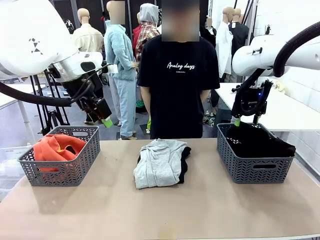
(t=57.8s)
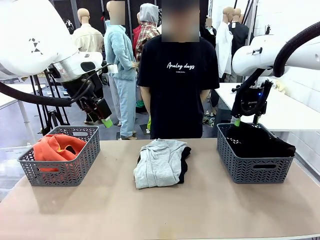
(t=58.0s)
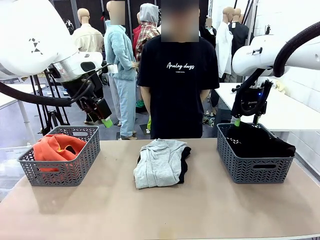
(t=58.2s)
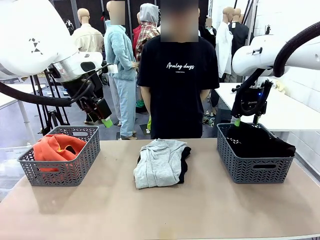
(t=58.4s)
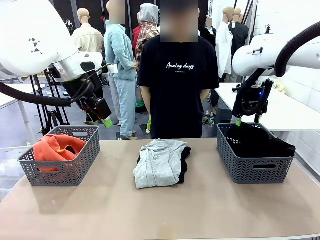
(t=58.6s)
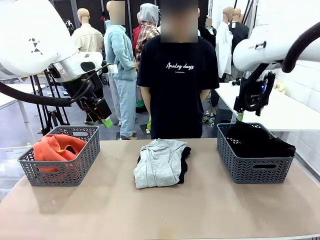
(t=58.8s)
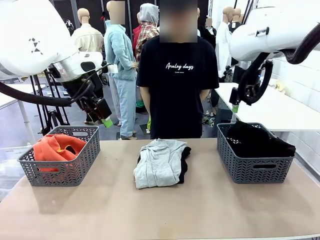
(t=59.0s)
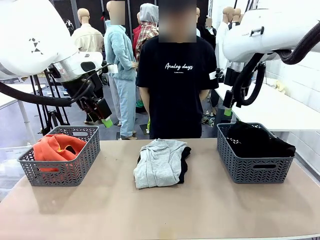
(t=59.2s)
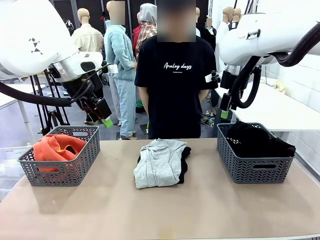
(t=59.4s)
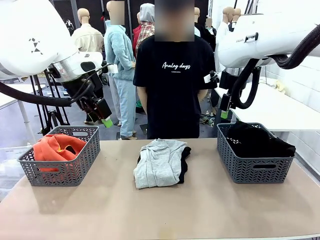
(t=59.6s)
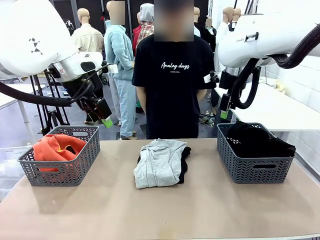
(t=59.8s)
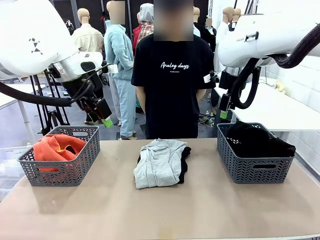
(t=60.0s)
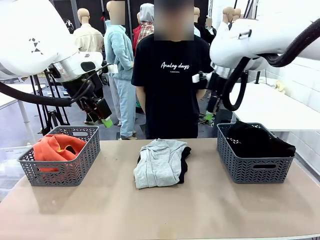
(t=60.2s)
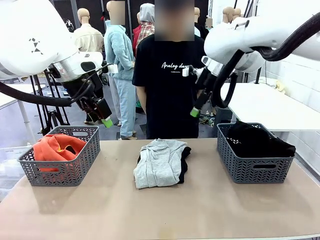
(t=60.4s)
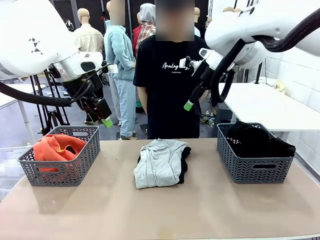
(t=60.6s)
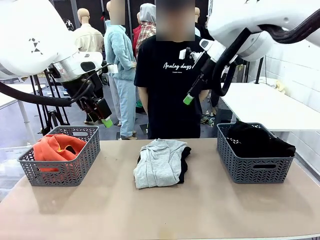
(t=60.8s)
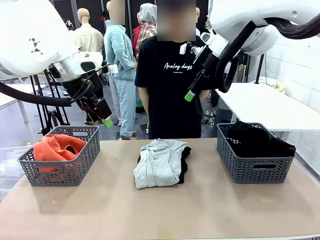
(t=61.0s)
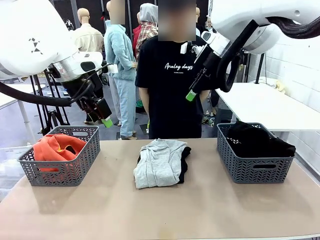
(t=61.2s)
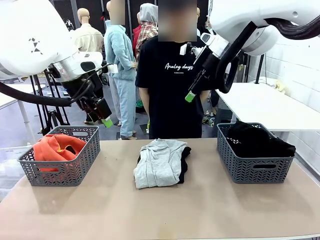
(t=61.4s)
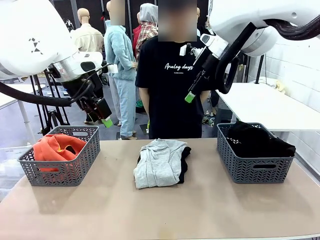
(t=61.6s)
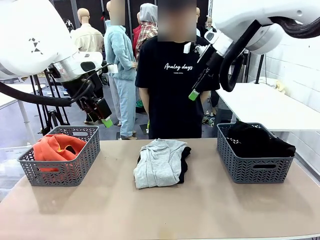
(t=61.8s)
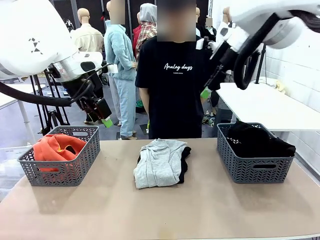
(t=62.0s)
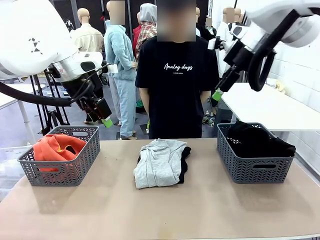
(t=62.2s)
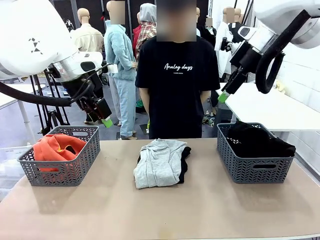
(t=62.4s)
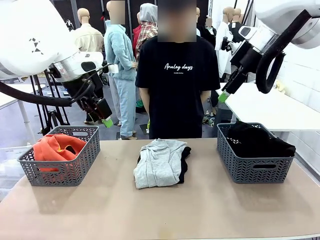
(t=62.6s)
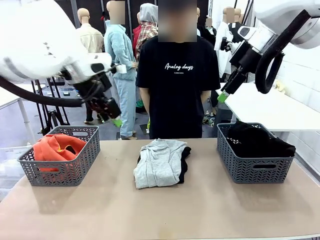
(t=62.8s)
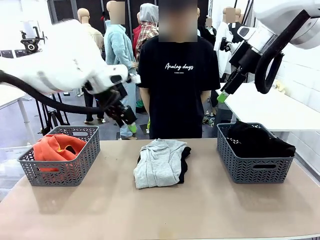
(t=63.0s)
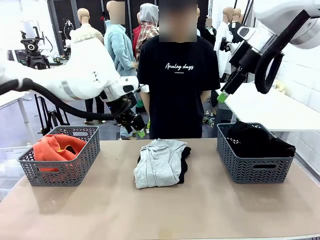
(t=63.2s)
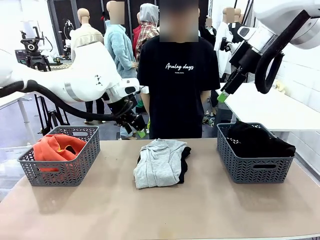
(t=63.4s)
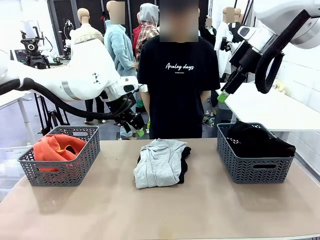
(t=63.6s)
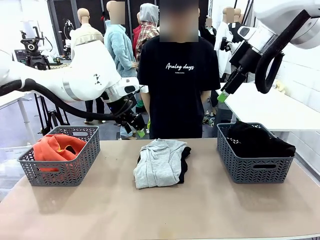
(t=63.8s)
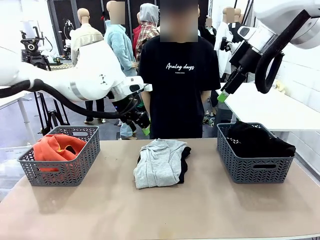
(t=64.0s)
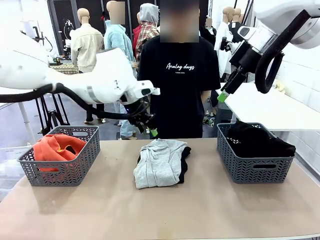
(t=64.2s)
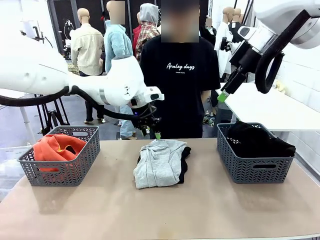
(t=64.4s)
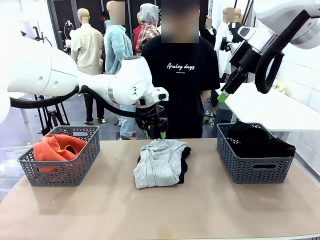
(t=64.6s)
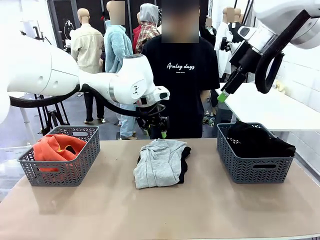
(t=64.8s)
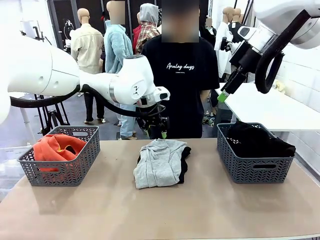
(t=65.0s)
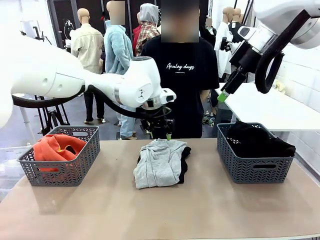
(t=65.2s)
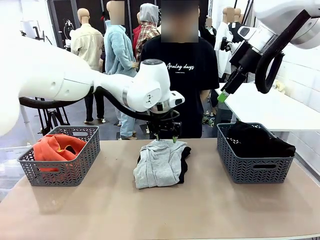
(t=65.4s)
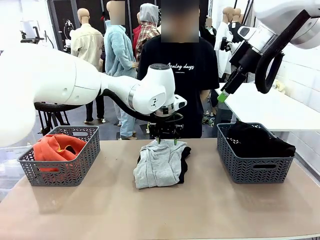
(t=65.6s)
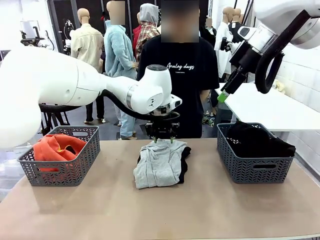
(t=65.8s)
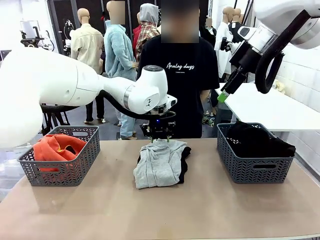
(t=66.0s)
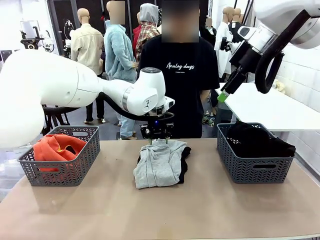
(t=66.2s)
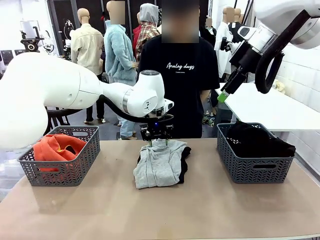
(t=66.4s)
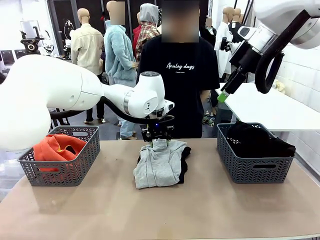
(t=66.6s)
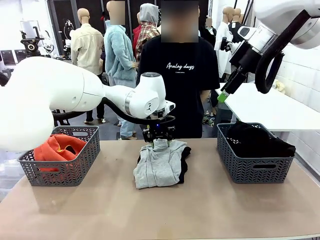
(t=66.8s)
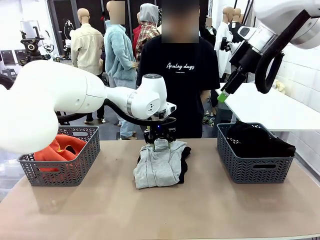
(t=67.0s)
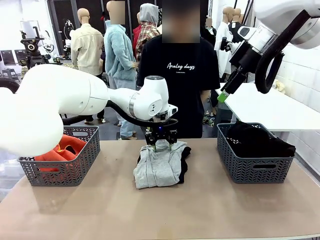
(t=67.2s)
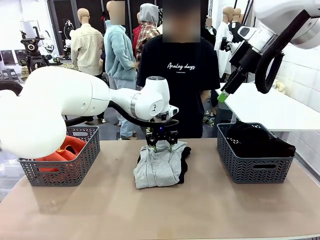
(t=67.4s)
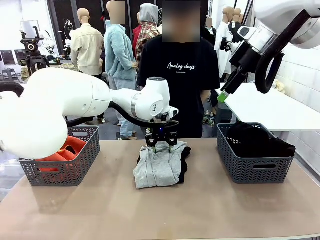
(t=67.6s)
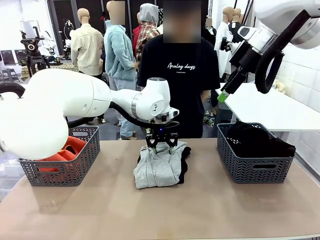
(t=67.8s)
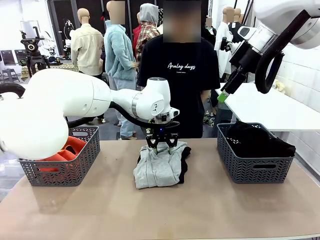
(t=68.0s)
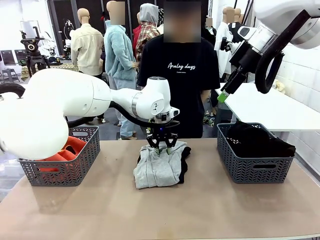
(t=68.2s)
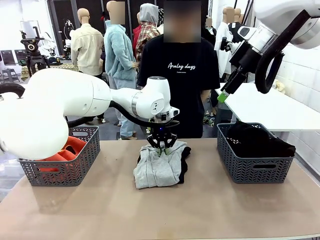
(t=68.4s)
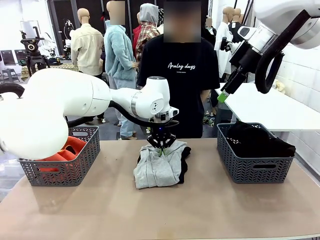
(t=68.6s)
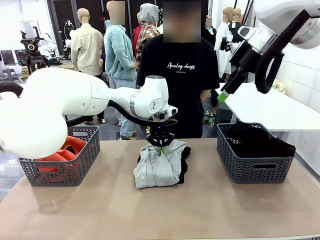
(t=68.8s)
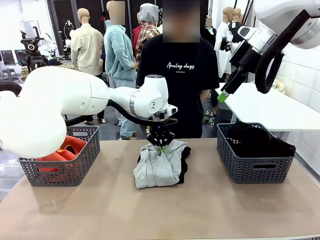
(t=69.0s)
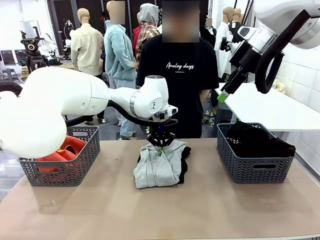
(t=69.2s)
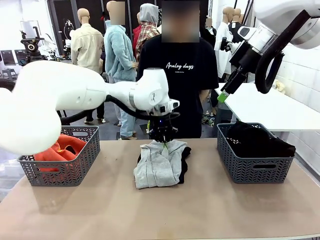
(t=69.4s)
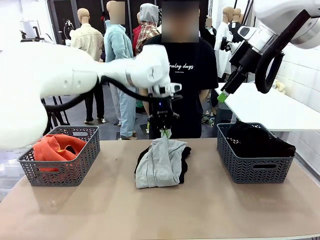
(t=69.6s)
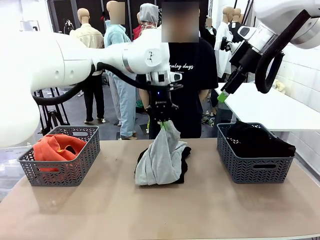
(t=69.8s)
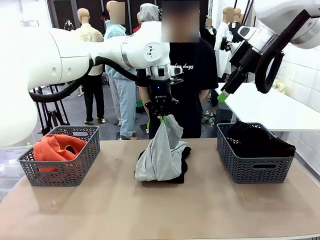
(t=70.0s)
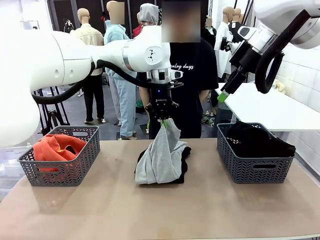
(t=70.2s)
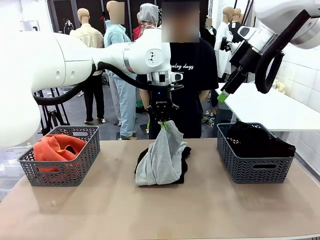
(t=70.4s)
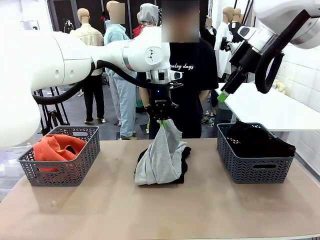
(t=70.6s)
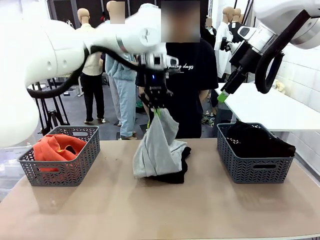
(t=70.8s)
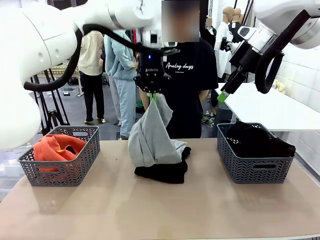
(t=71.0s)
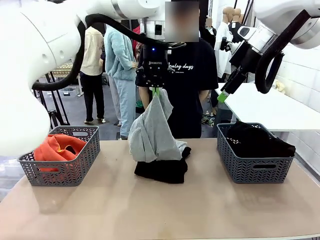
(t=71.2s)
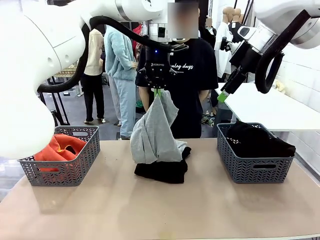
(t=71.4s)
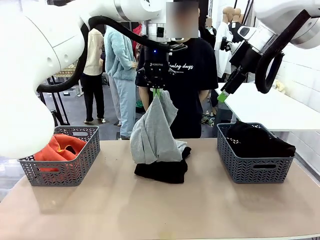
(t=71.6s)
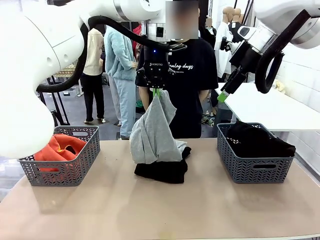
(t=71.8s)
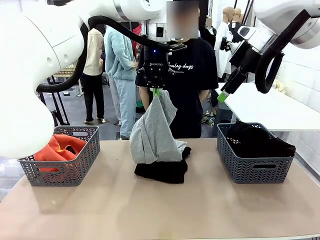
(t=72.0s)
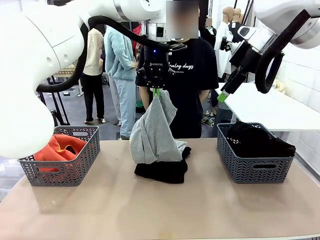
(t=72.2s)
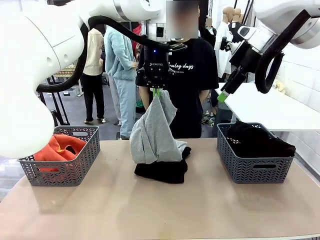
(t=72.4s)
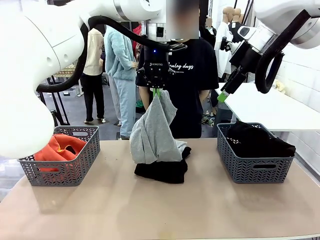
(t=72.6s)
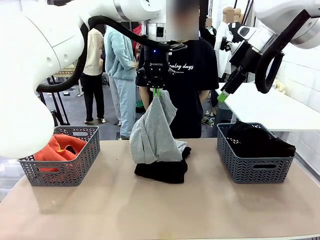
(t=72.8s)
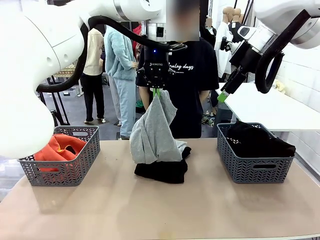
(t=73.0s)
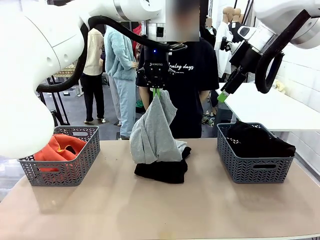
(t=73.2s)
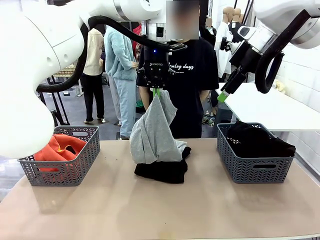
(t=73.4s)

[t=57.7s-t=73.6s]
Task: Sort the tops and bottoms.
Robot: Lift clothes from the center of the table with your left hand.
